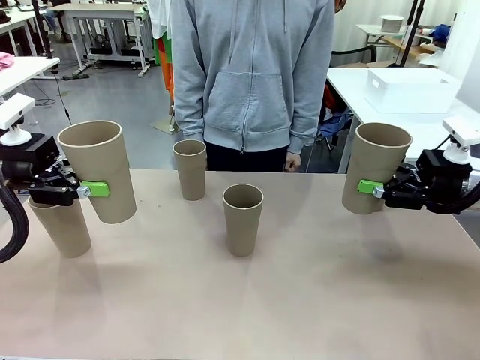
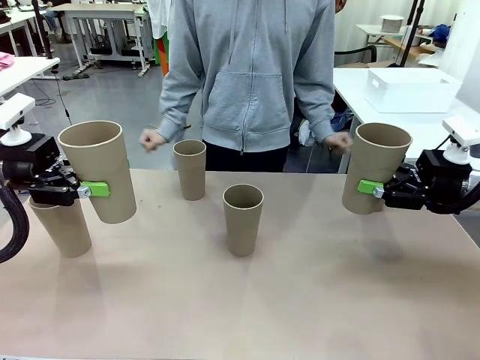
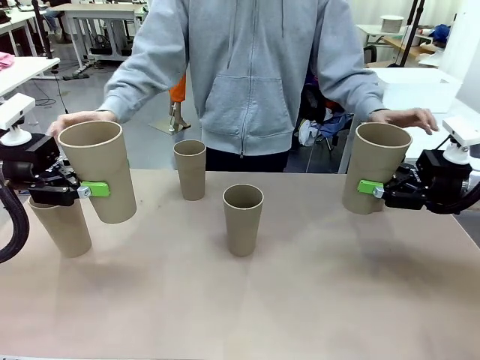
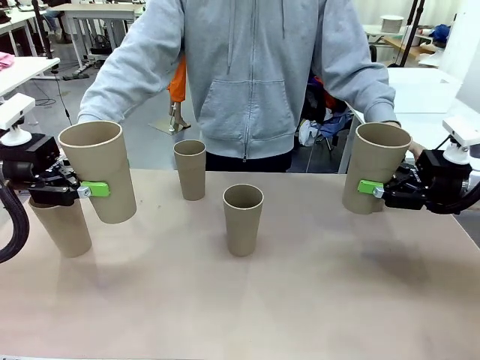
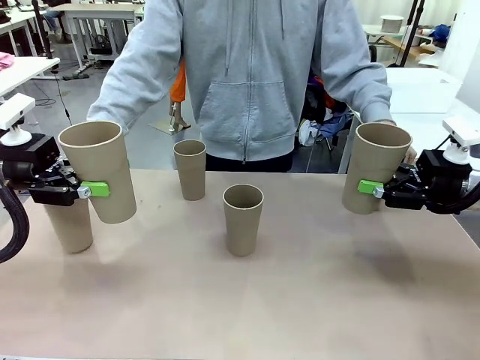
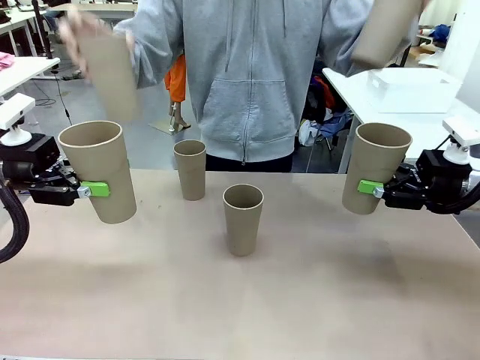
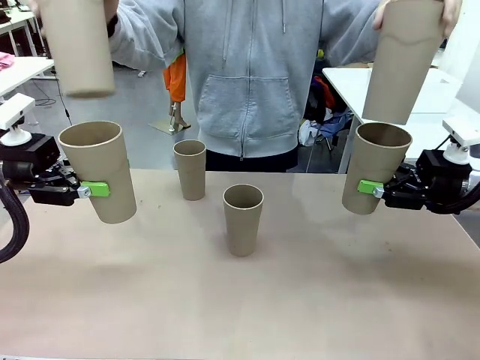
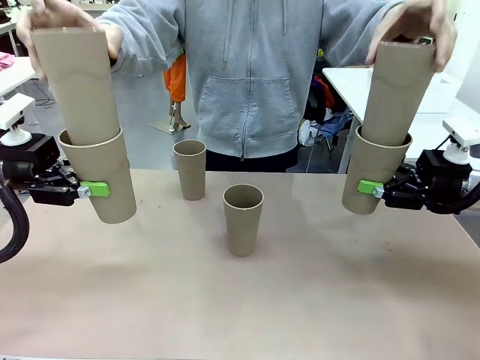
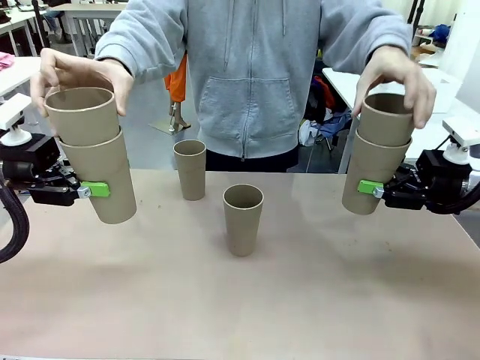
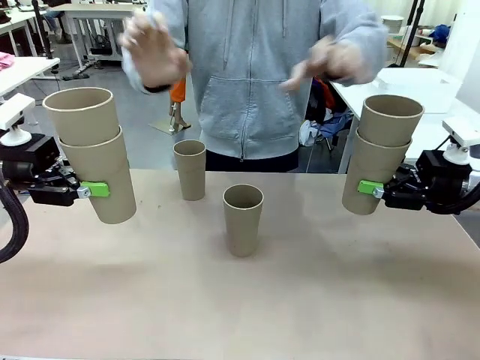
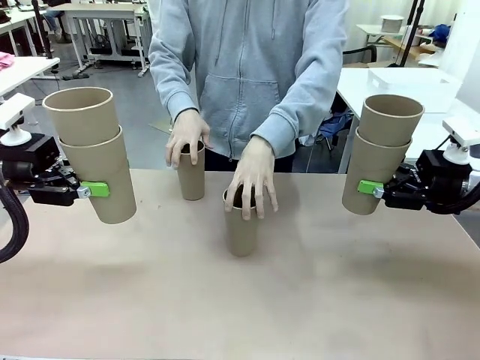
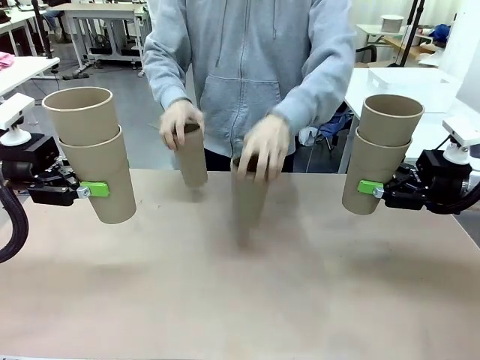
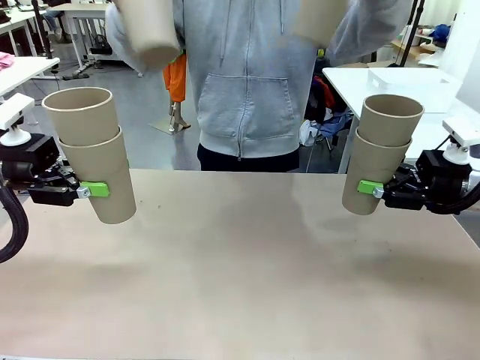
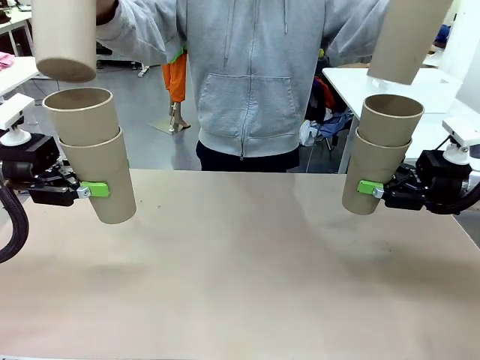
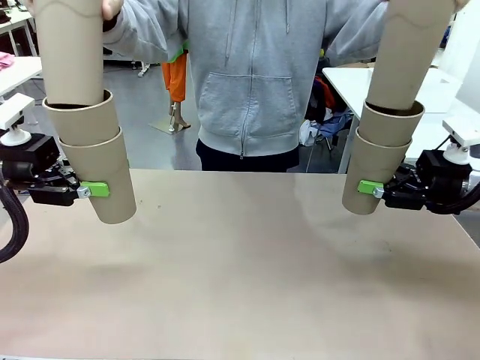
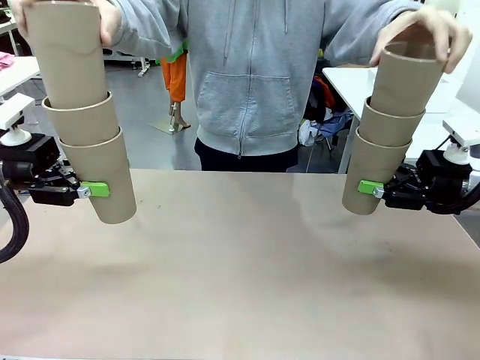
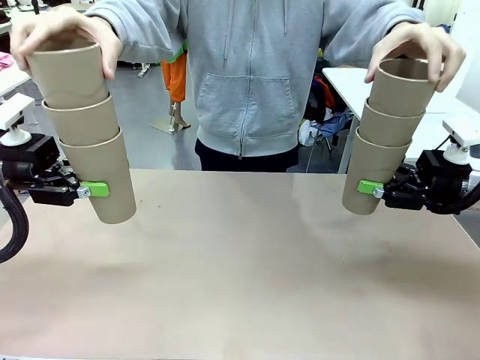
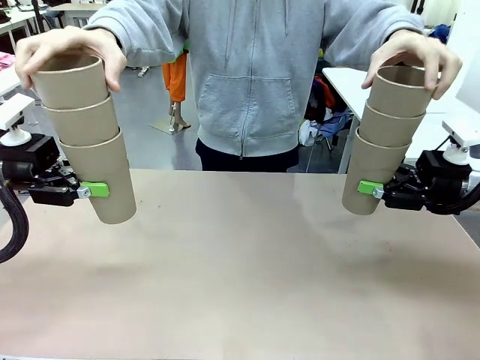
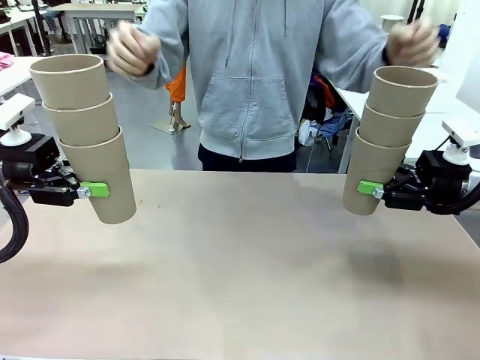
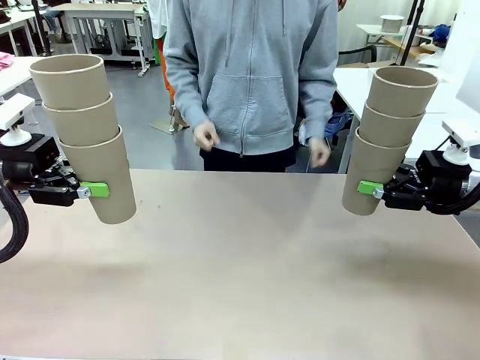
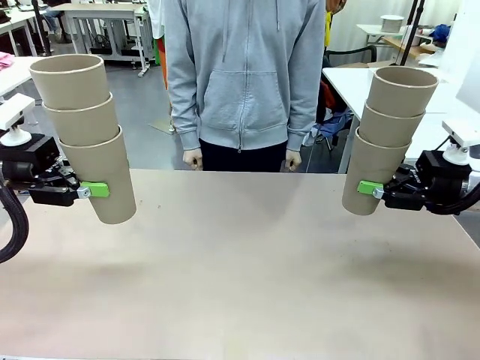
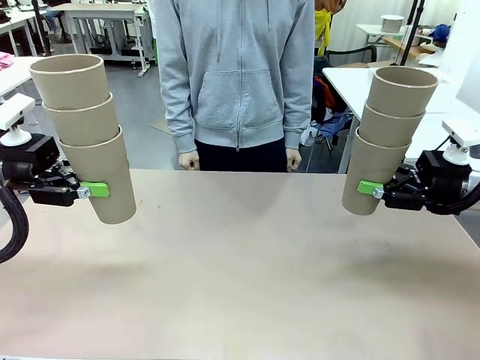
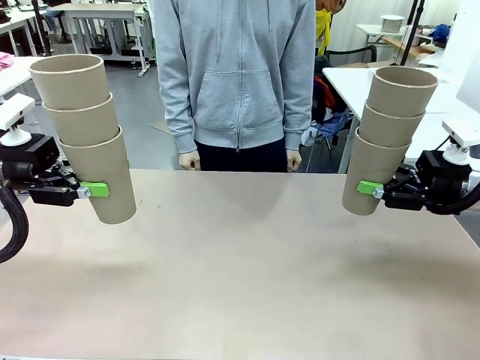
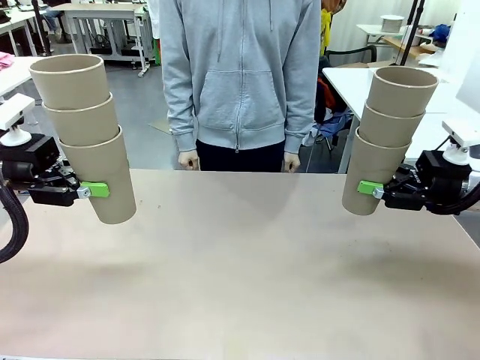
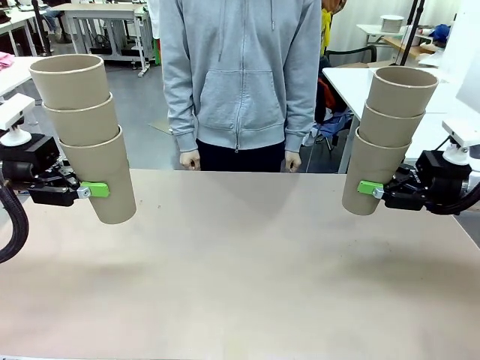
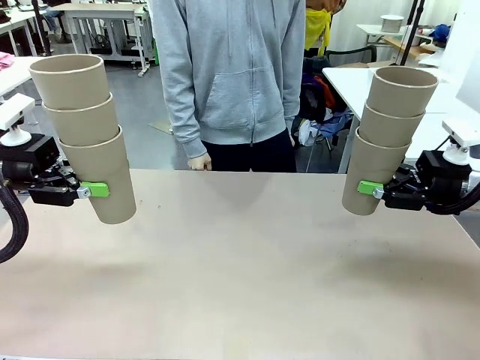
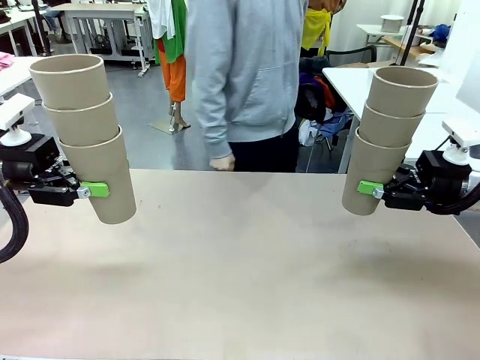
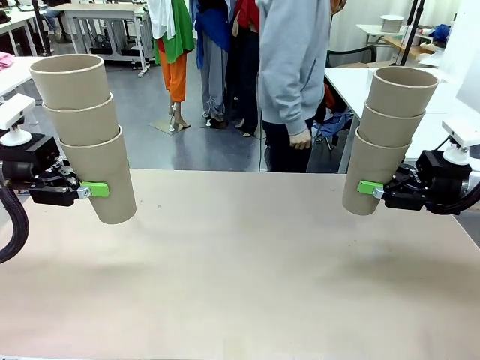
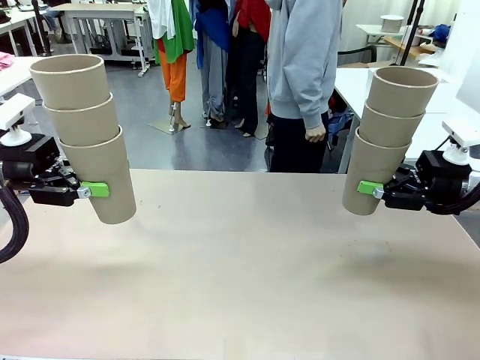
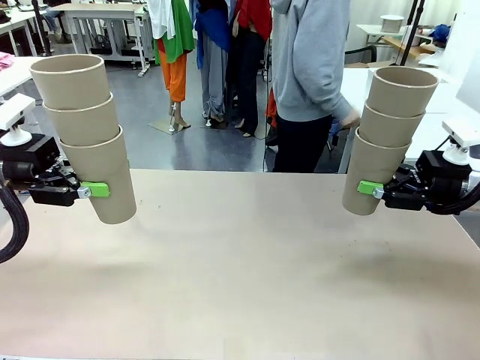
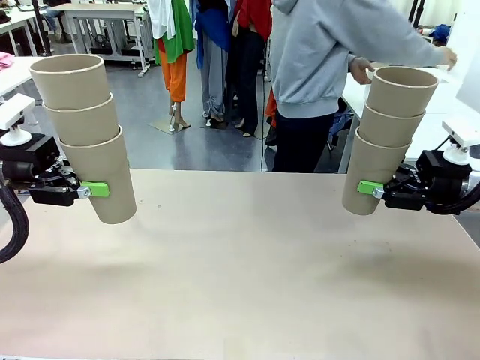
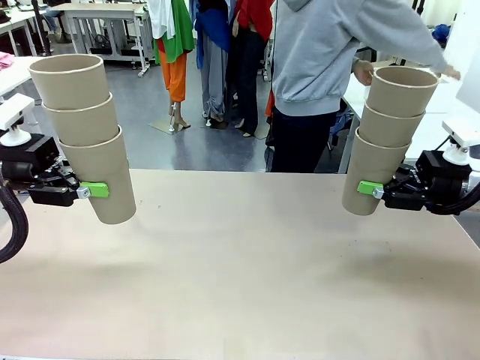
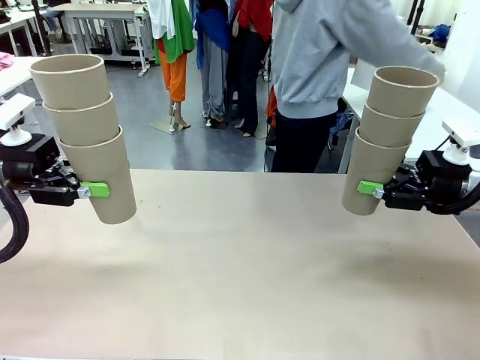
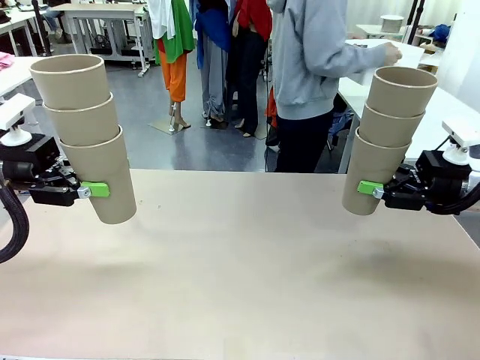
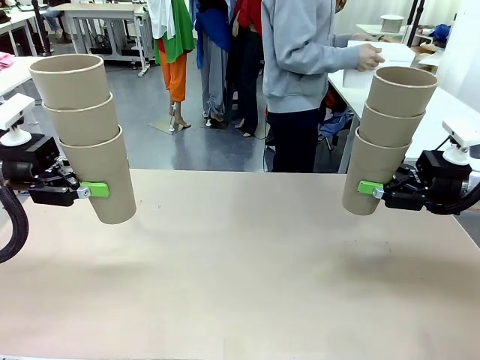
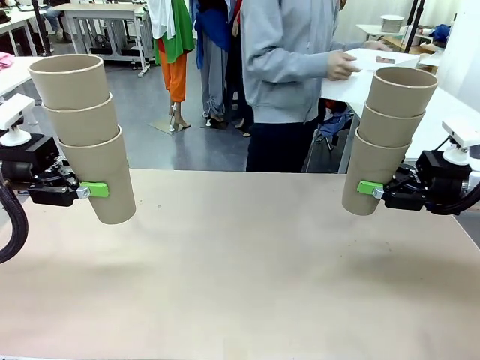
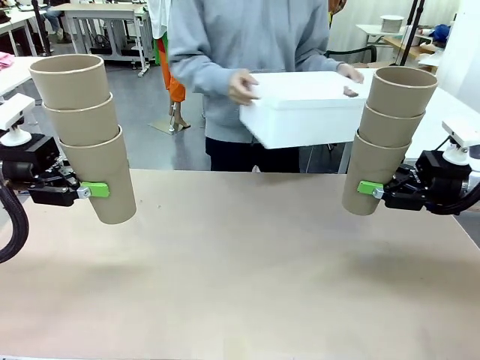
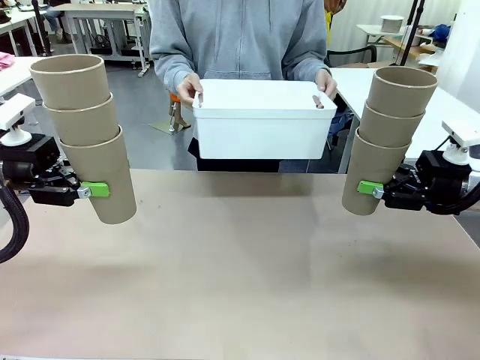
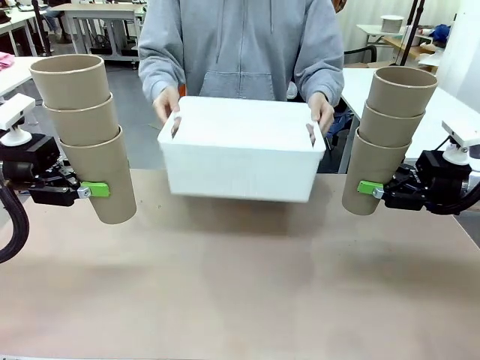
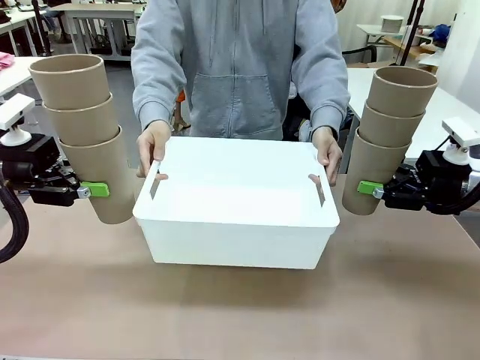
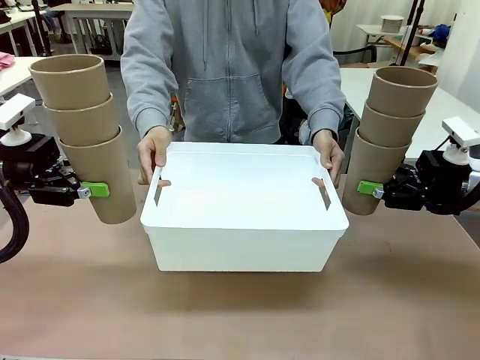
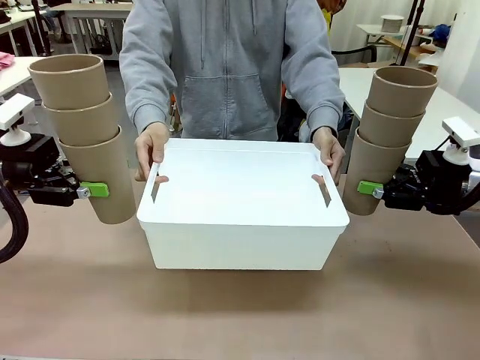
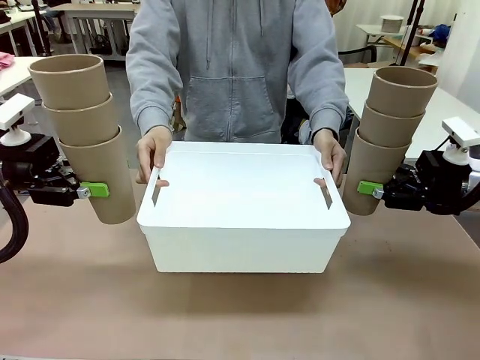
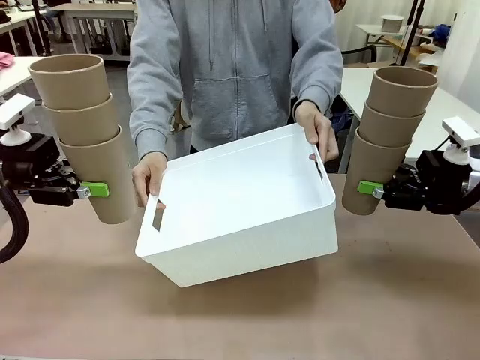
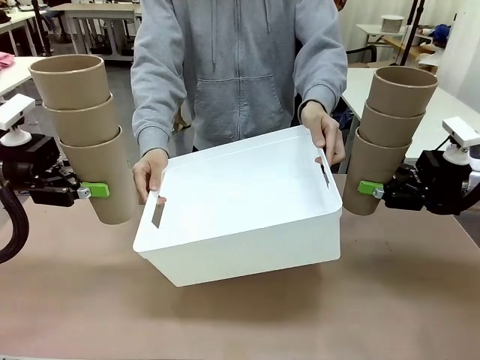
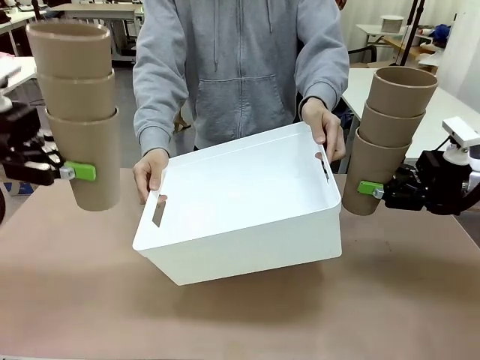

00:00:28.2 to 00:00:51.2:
Task: Stack the cups and store them in the basket.
Robot: Place the stack of Reusable plastic cups into the Pantry Basket.
Person: Pick up the basket from the Human Table, bring it to the front of the robot, and present it.

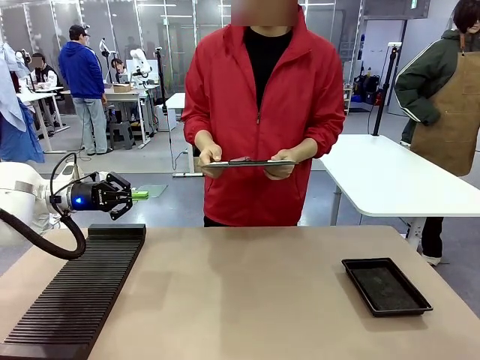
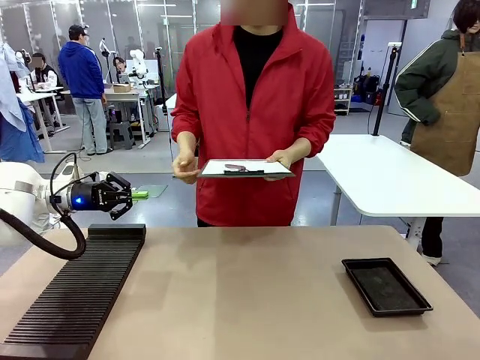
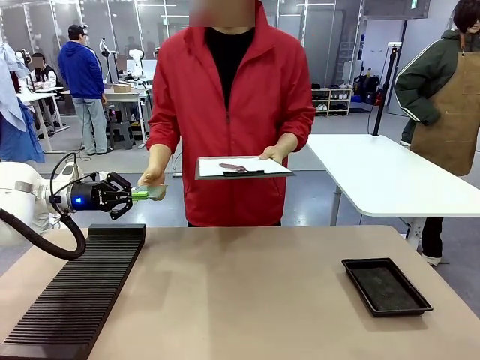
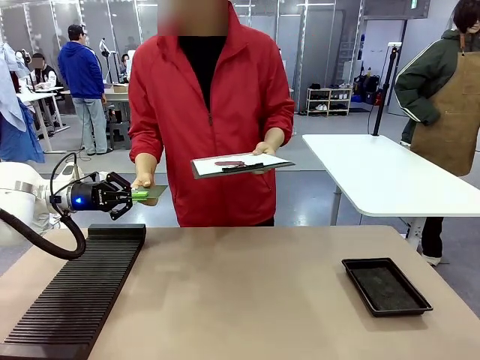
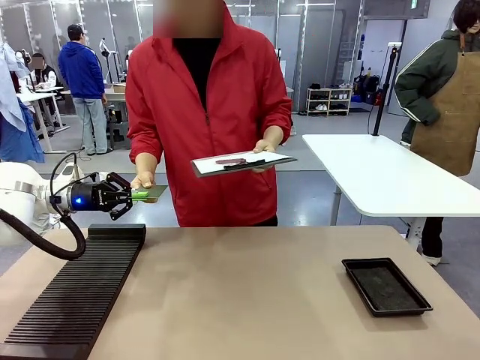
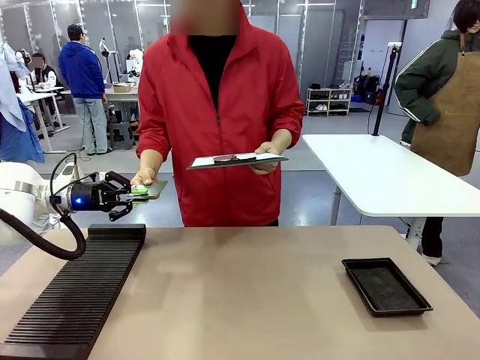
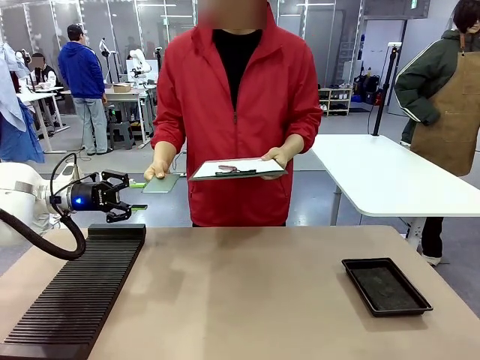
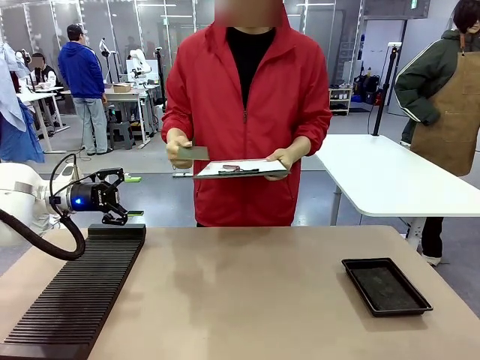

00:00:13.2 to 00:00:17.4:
Task: Inspect the PCB.
Robot: Release the Blank PCB you were holding.
